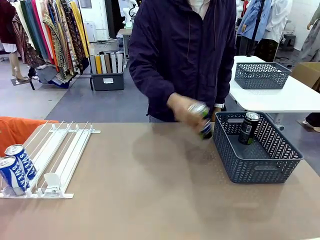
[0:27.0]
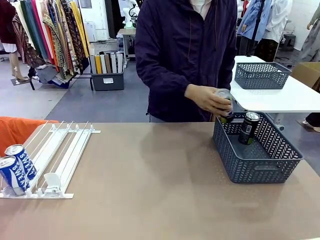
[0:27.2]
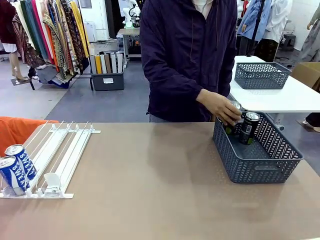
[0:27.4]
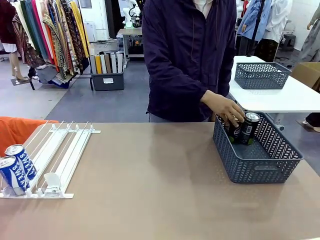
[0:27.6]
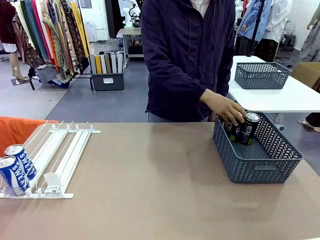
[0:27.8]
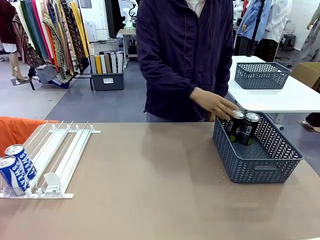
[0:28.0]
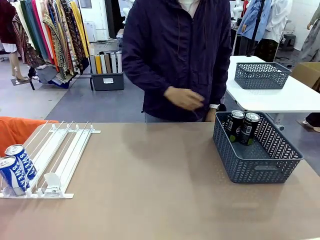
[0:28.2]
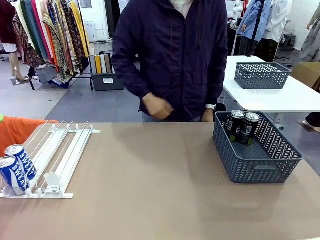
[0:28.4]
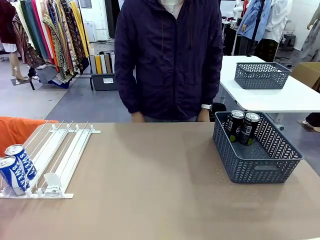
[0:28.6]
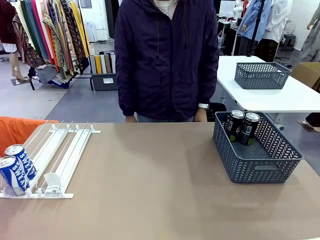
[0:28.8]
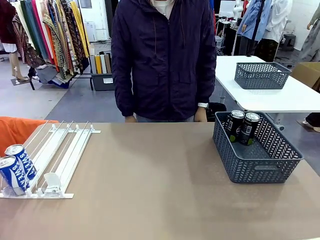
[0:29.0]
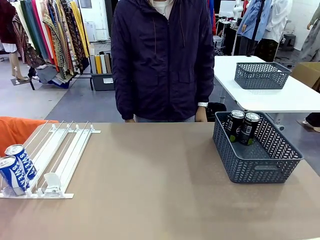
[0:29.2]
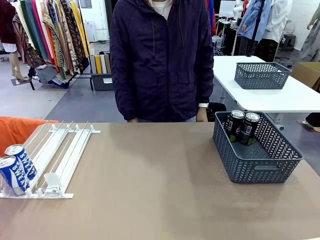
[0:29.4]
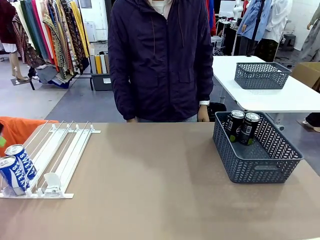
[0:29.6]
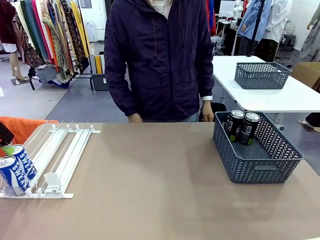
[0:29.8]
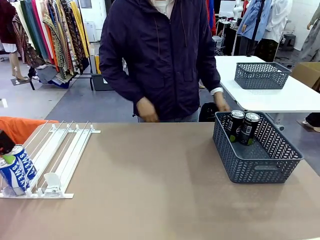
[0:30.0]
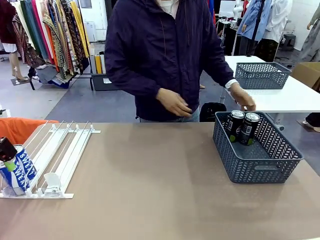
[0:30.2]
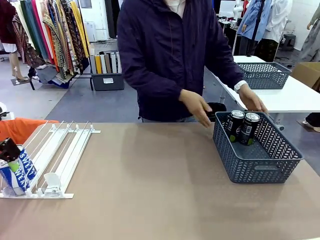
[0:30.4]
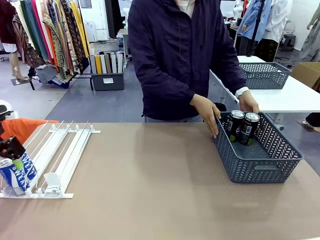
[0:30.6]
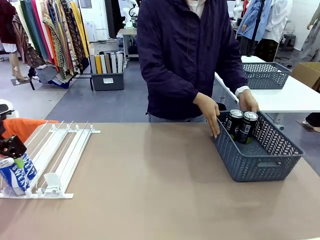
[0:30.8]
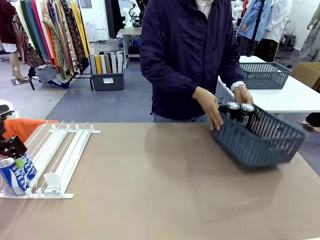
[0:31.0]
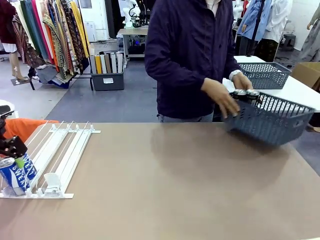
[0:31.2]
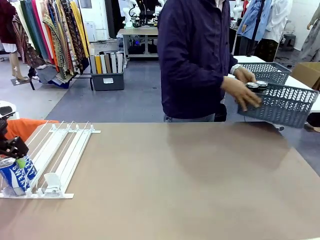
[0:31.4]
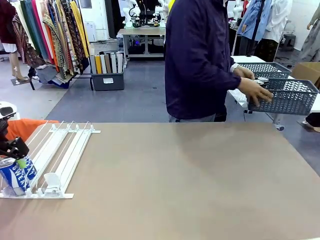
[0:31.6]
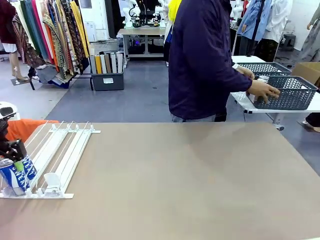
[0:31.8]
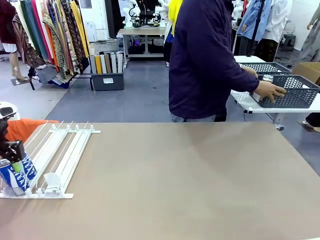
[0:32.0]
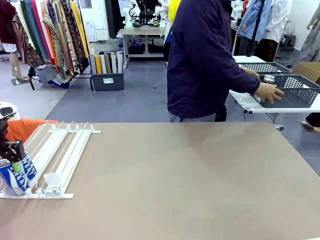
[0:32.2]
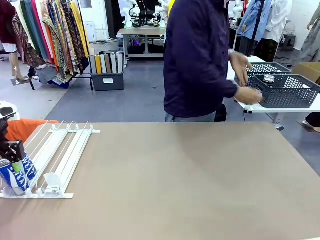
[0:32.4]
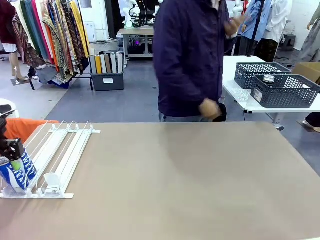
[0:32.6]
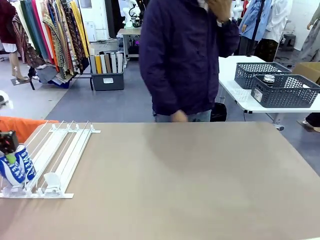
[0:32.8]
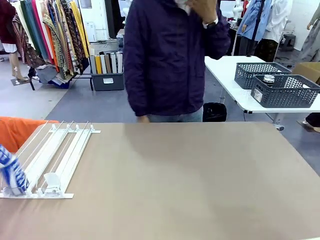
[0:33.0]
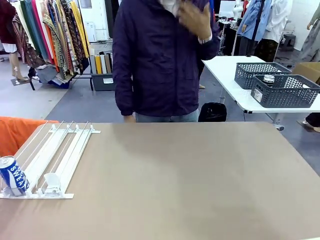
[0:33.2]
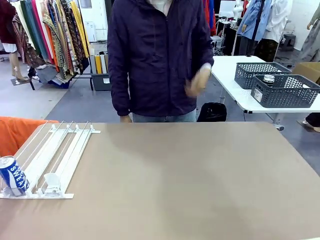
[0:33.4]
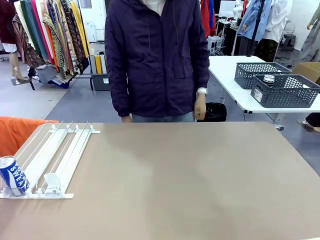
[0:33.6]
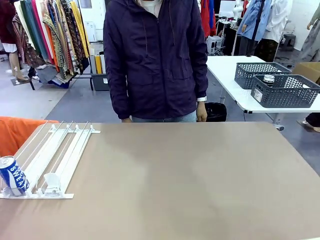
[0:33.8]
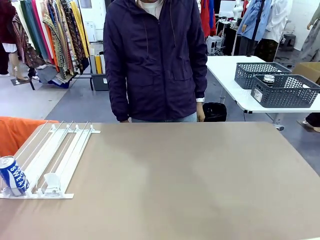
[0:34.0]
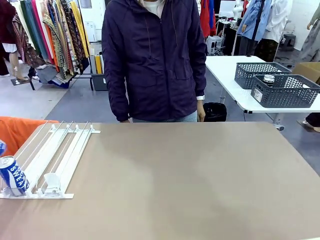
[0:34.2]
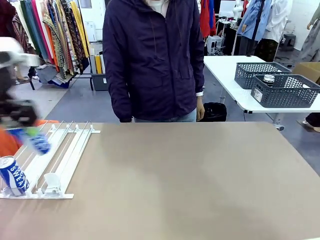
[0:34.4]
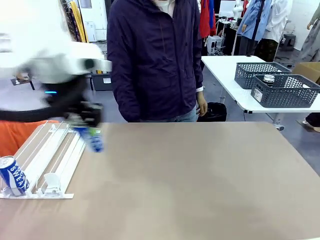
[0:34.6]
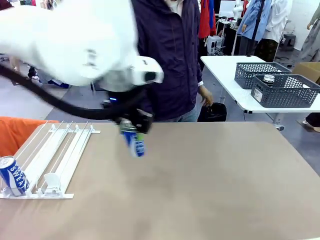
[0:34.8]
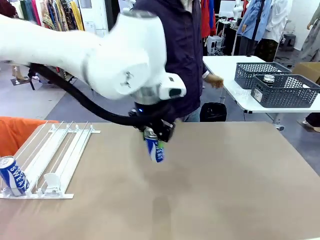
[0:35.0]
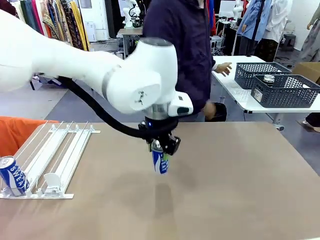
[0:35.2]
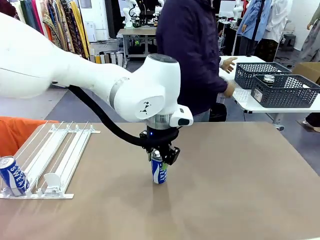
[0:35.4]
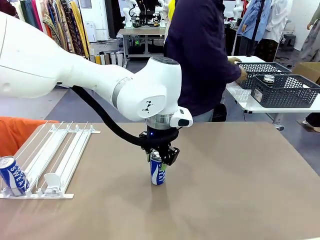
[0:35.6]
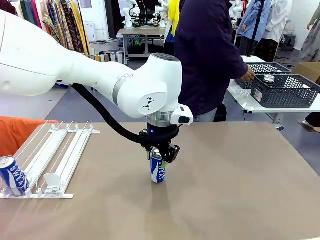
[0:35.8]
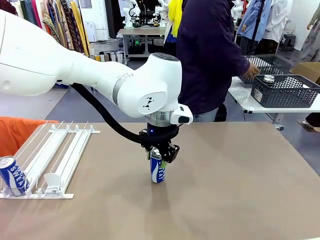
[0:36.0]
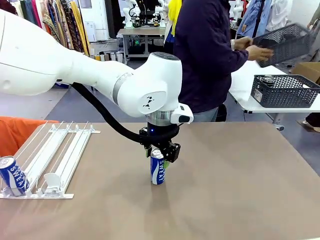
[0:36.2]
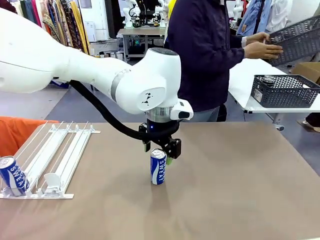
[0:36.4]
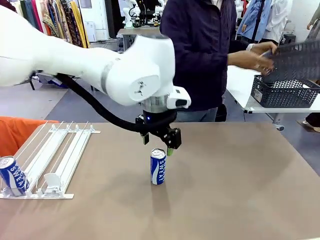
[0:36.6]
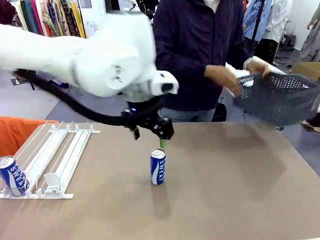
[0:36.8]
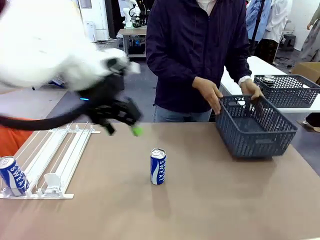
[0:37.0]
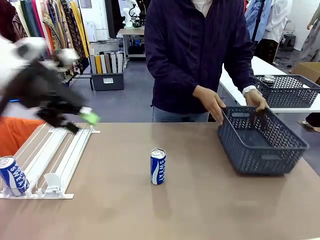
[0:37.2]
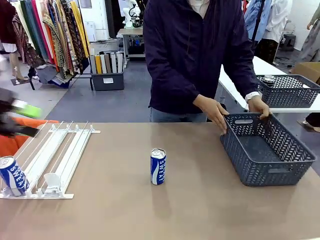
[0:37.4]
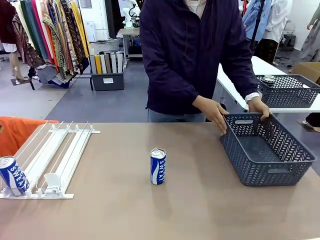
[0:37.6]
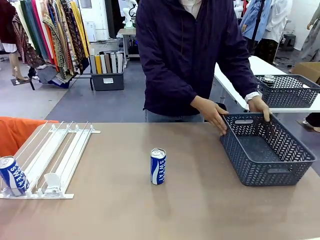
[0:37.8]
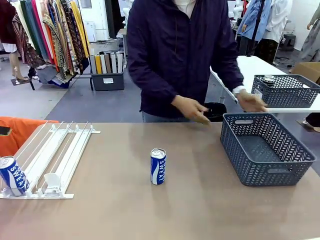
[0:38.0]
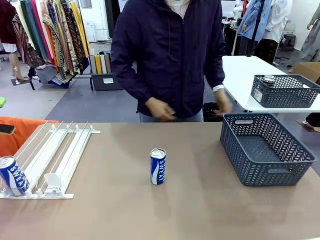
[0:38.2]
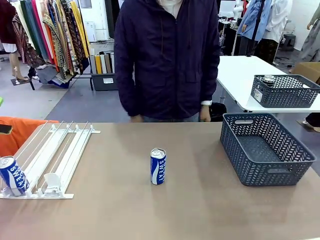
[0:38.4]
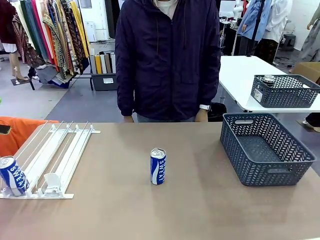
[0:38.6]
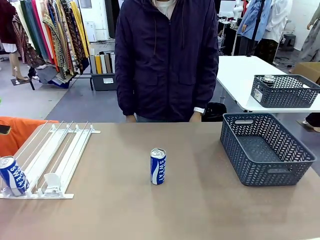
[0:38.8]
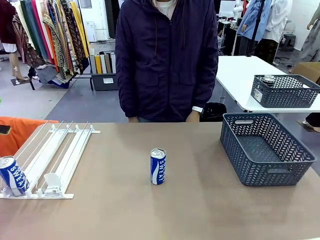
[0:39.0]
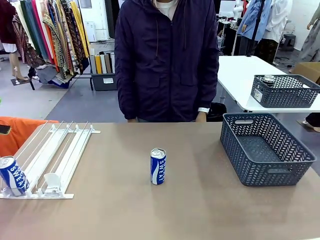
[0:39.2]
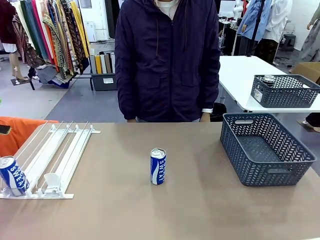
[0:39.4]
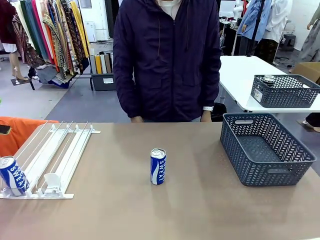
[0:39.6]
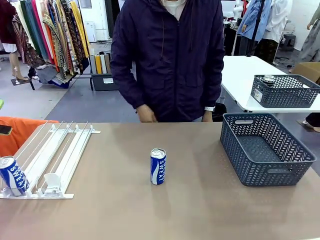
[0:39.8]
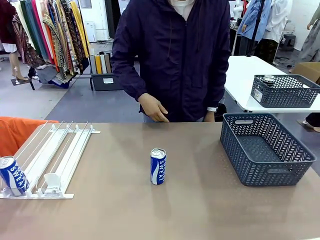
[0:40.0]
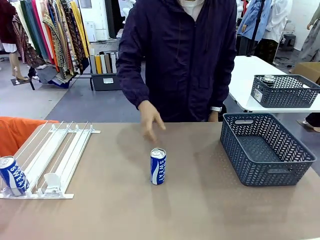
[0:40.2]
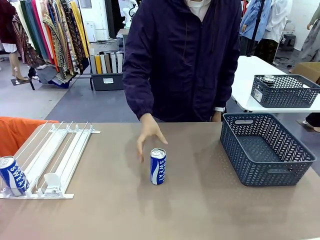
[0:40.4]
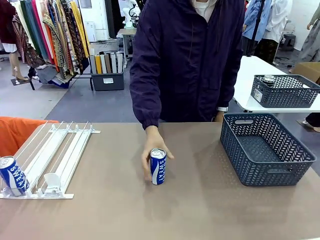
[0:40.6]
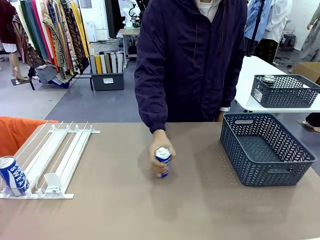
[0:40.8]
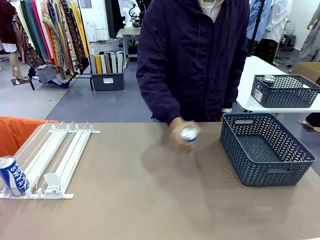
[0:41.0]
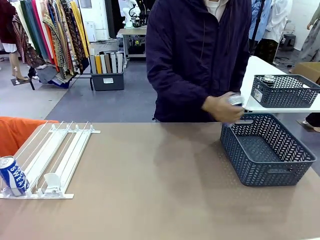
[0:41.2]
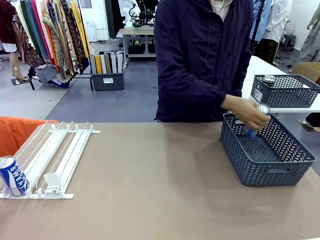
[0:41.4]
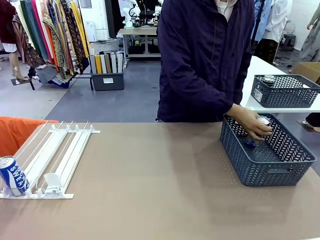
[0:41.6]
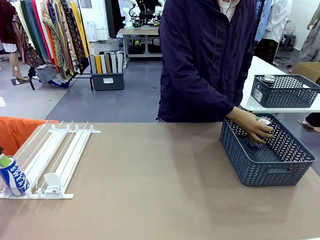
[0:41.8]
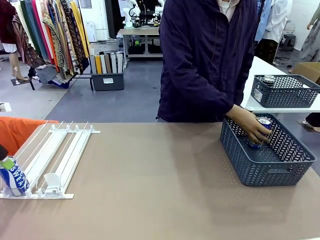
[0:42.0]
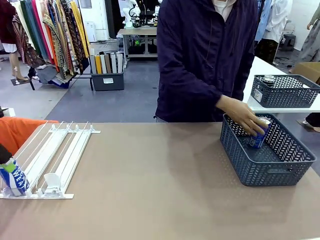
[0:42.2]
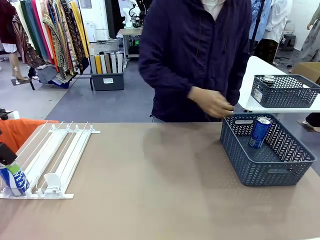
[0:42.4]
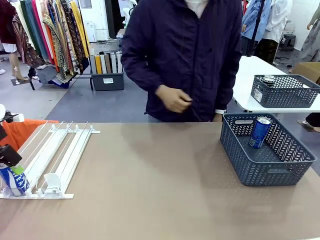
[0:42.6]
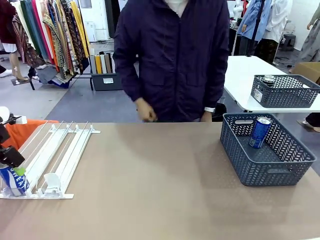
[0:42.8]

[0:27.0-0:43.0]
Task: Retrieve and store the cans from the dispenser.
Robot: Pick up one can from the Automatic Can Dispenser and place it in the middle of the table.
Person: Pick up the basket and place it in the middle of the human table. Pick up the empty basket and place it on the left side of the robot table.
